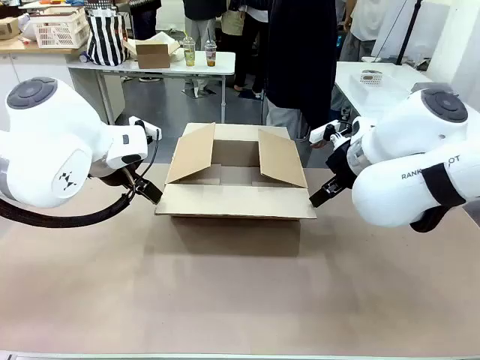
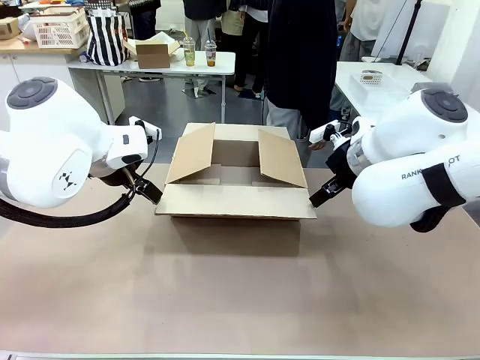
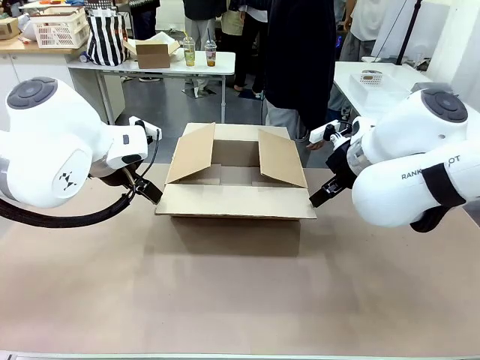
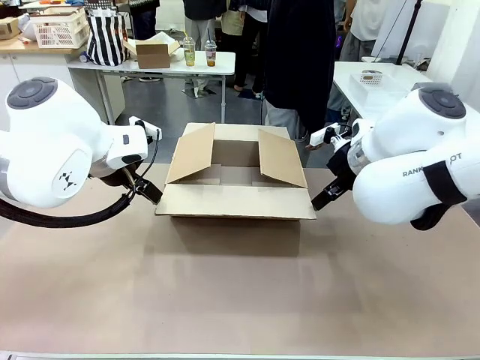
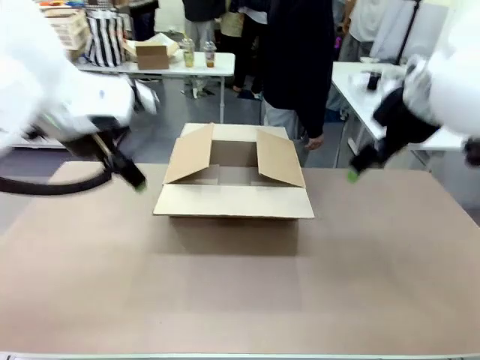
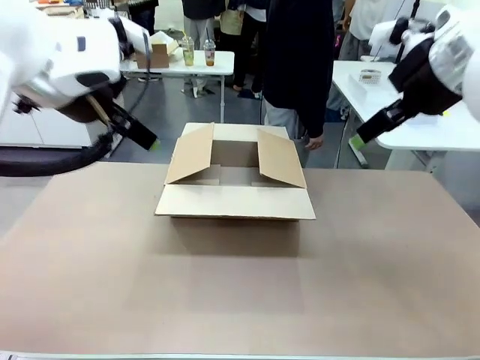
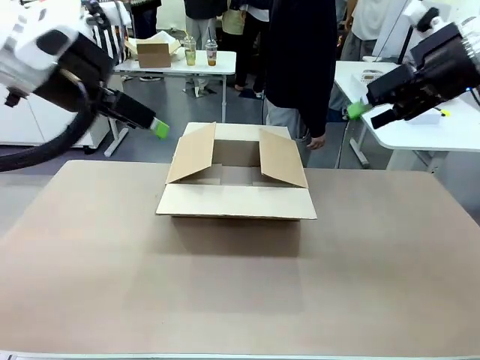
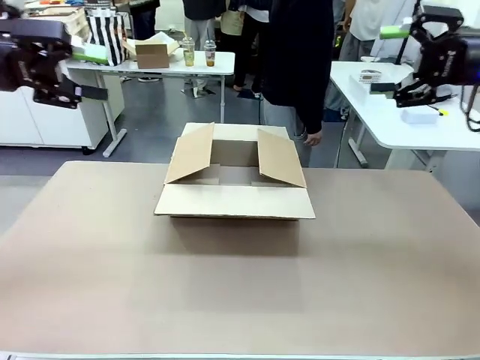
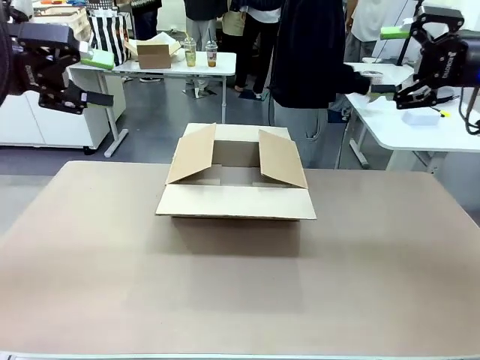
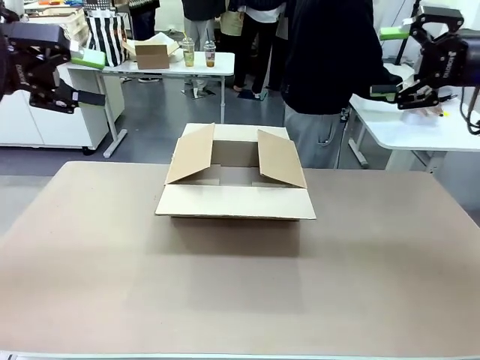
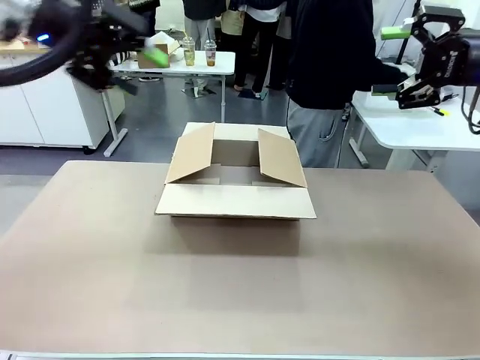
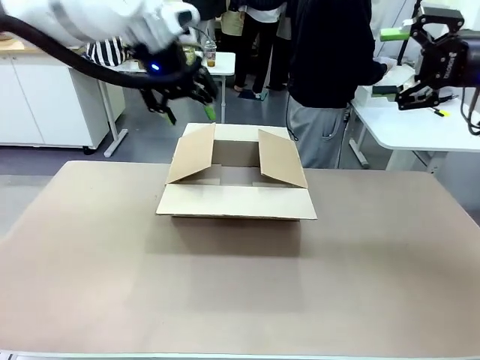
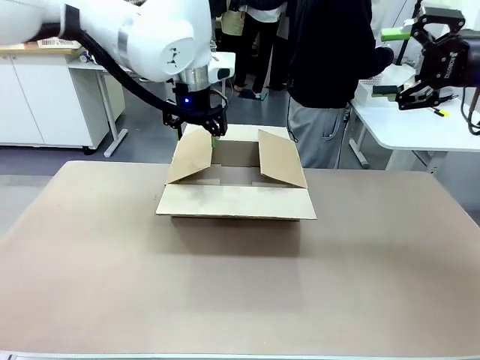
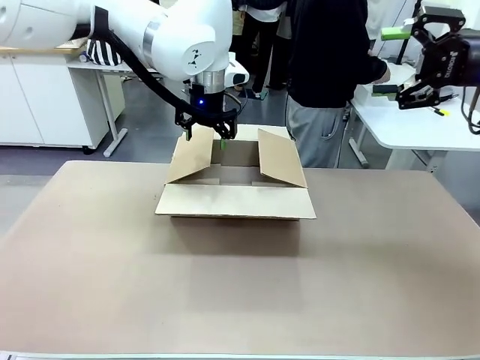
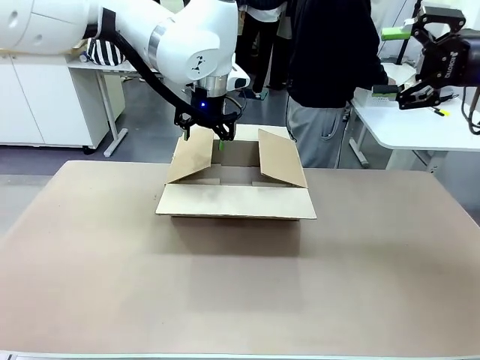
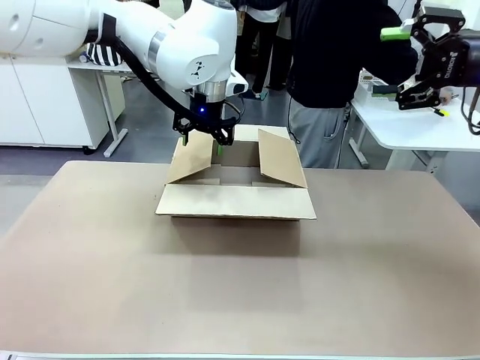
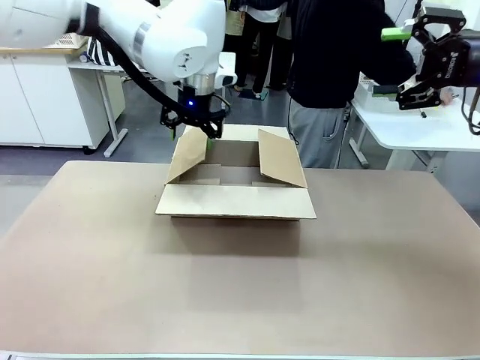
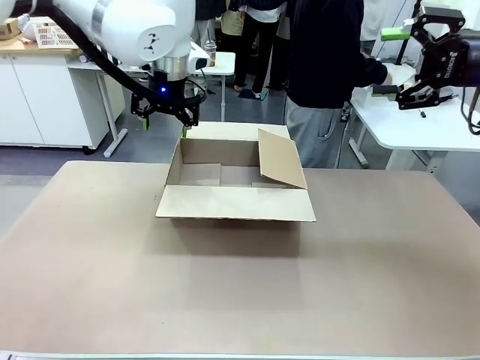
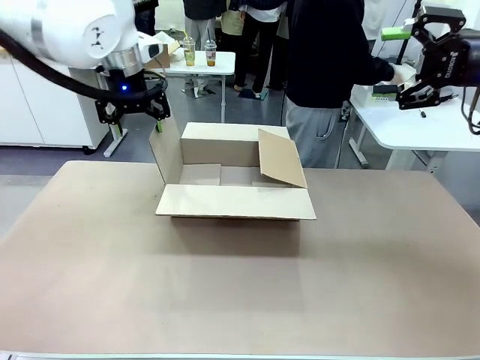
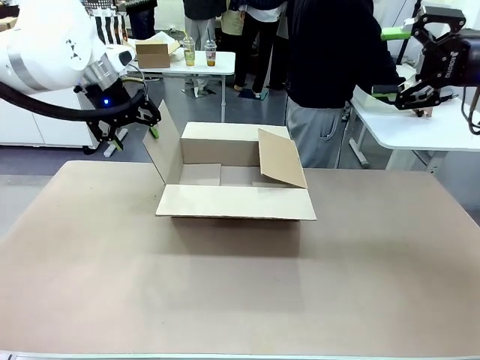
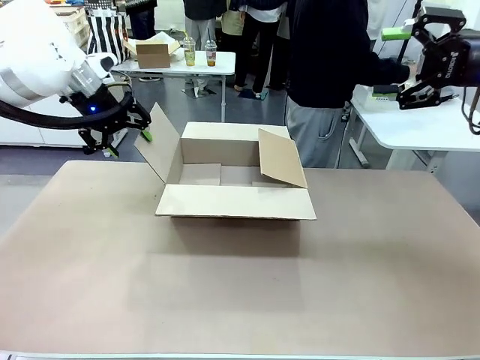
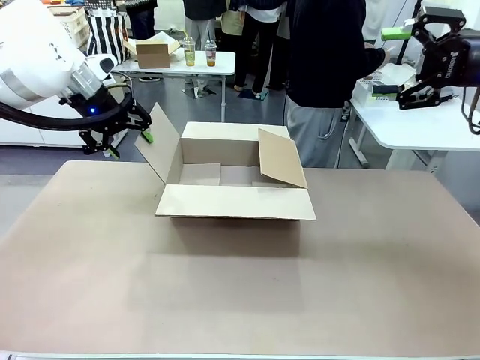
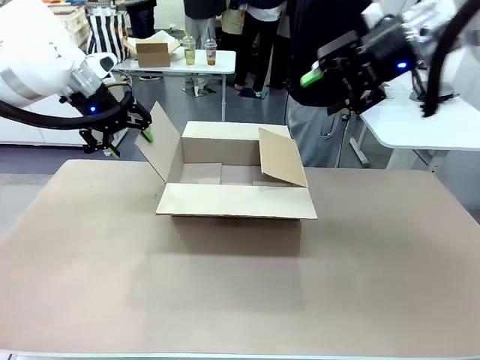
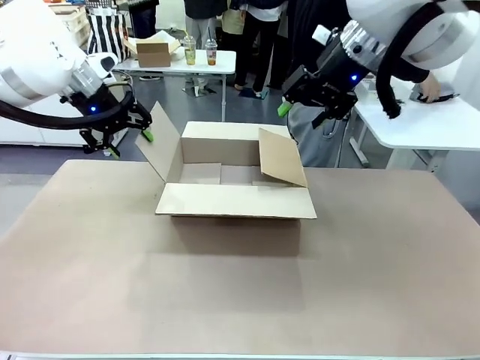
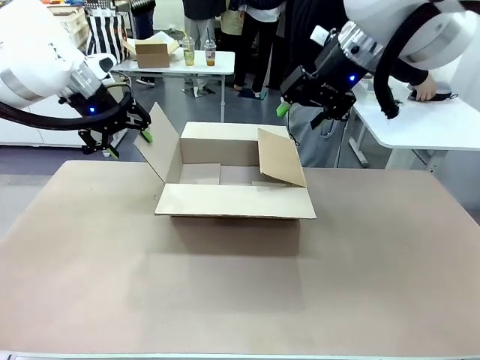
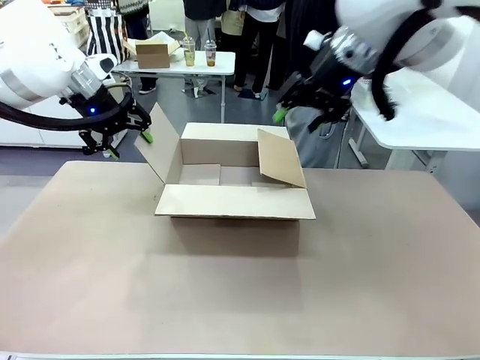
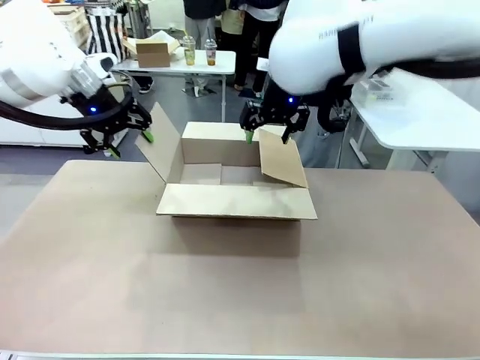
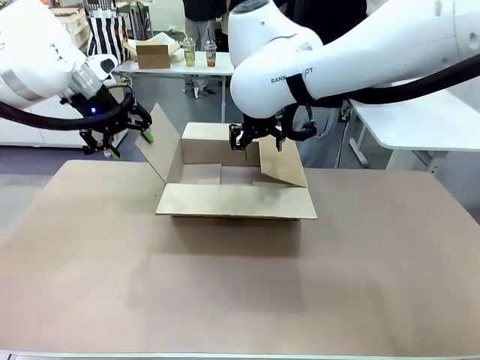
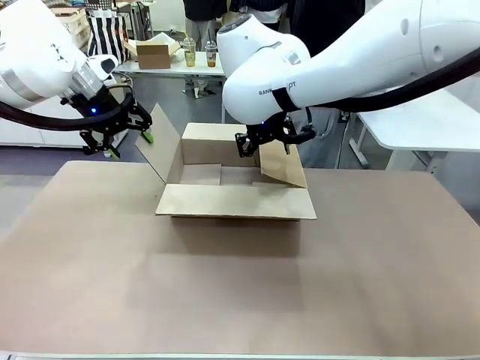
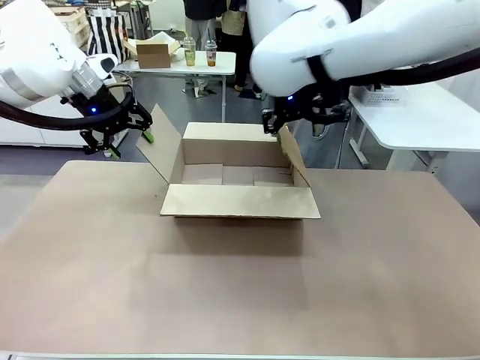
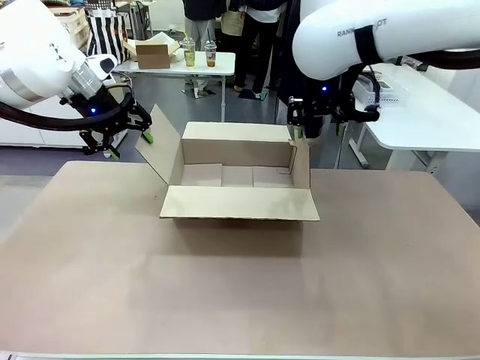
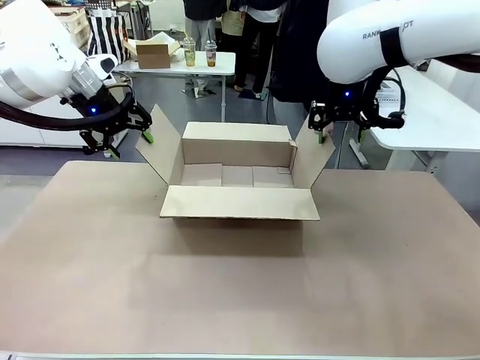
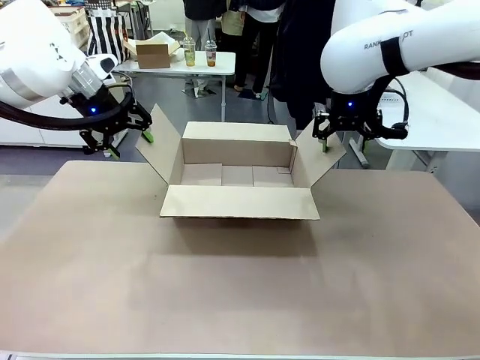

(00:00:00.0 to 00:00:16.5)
Task: Pack the gift set into the box.
Robot: Place both hands on the side flaps of the Package Box and spread them outward.
Person: The human places all items except the paper tape into the organizing basket.

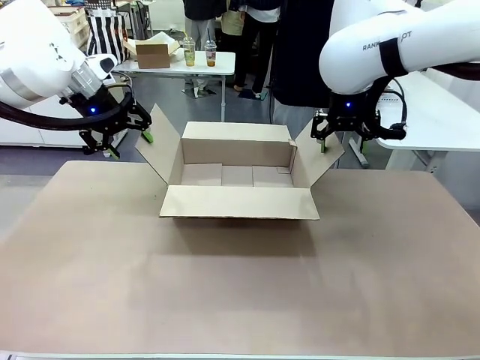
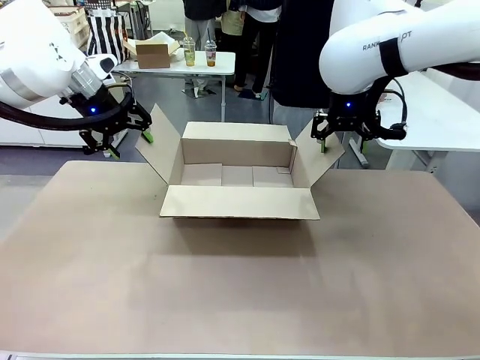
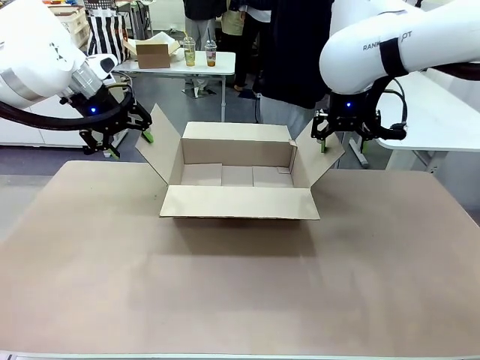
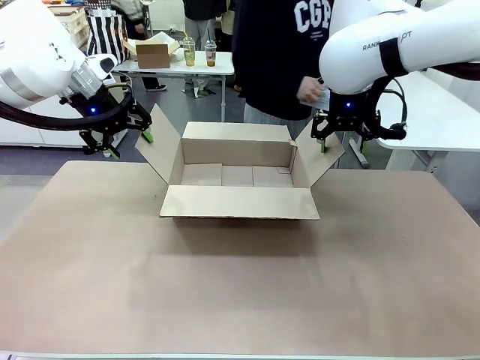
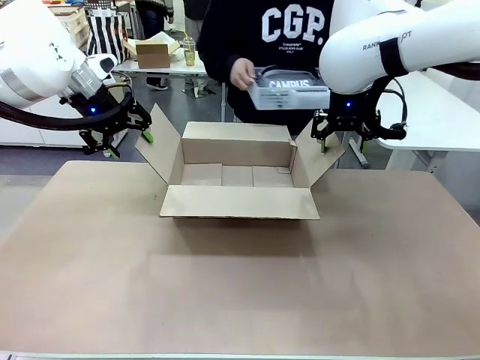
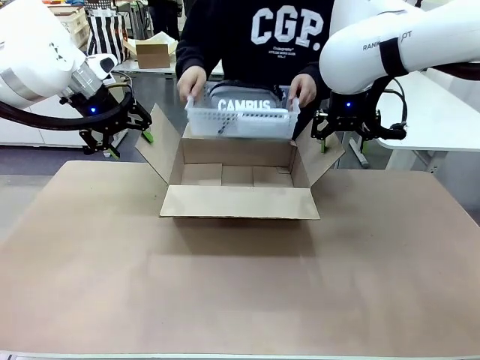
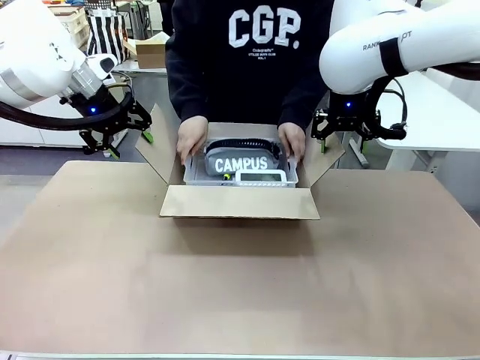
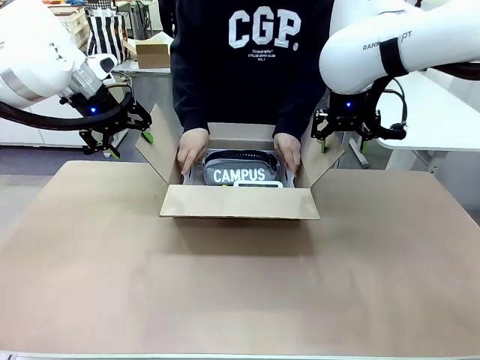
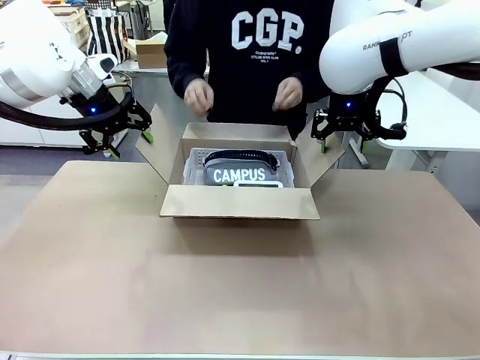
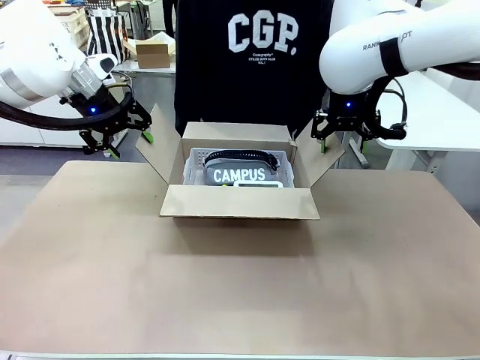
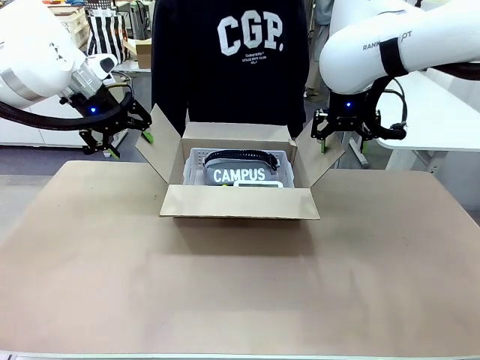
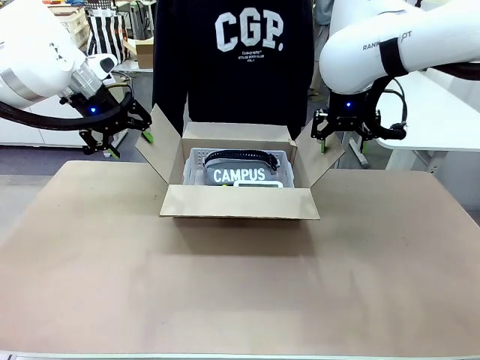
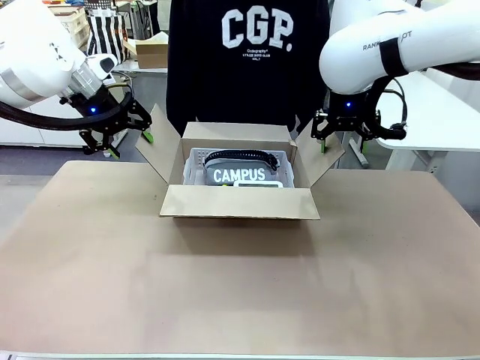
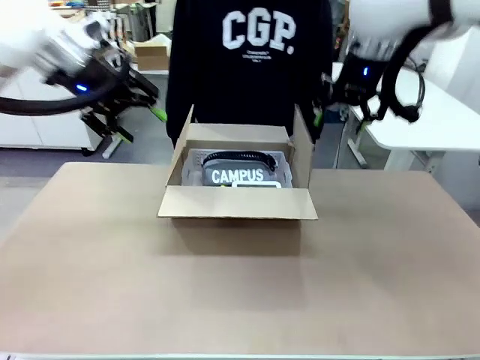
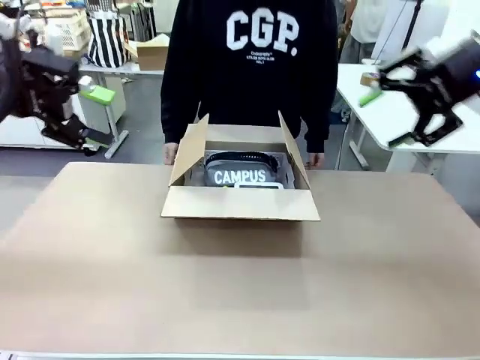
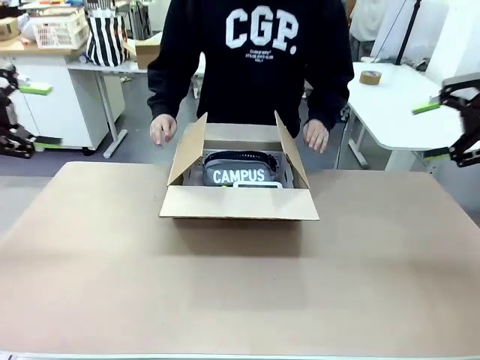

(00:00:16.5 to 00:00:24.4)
Robot: Lift both hands away from the flaps of the Package Box.
Person: The human picks up the organizing basket and places the organizing basket into the package box on the robot table.
